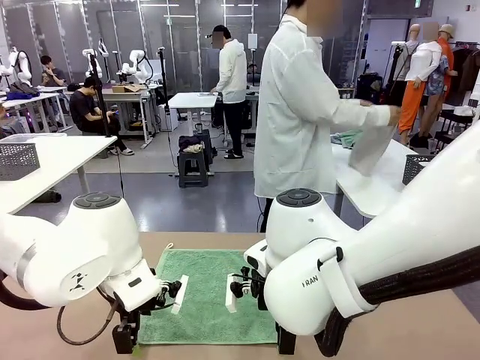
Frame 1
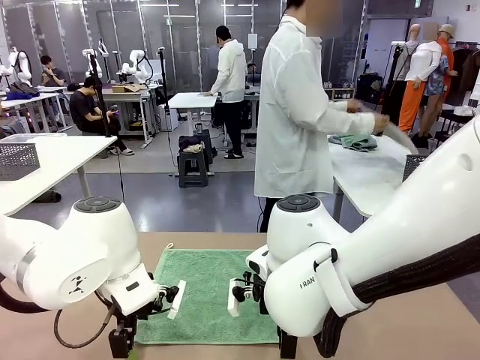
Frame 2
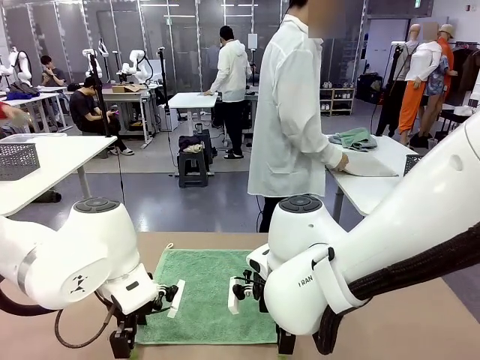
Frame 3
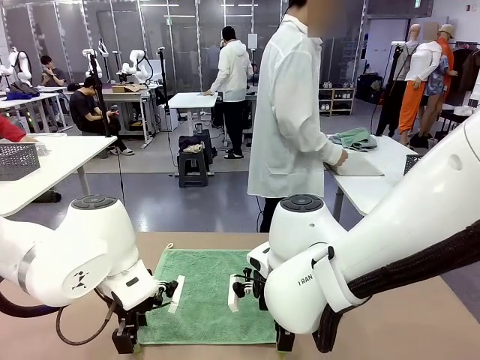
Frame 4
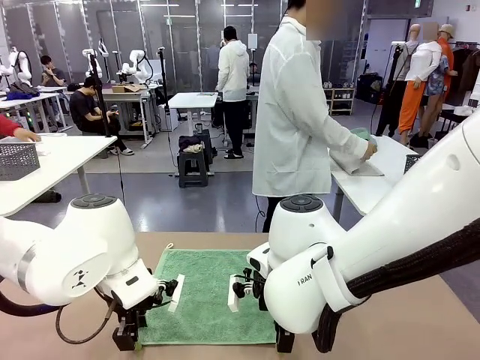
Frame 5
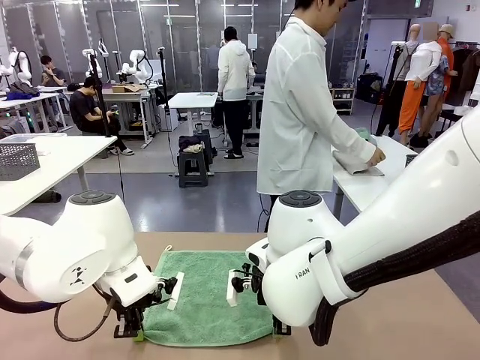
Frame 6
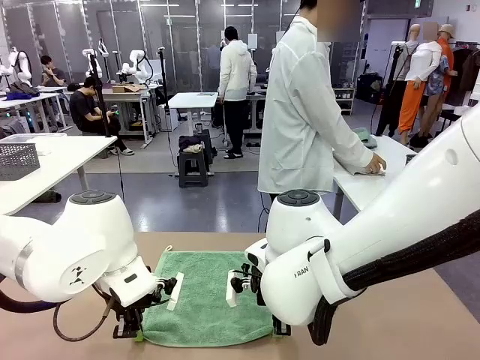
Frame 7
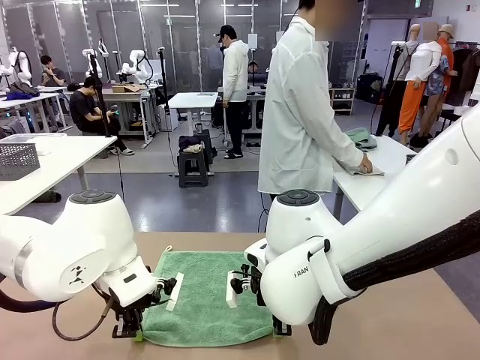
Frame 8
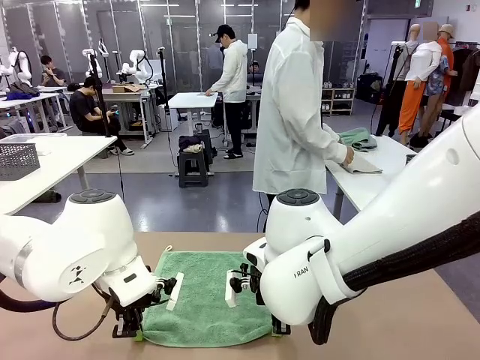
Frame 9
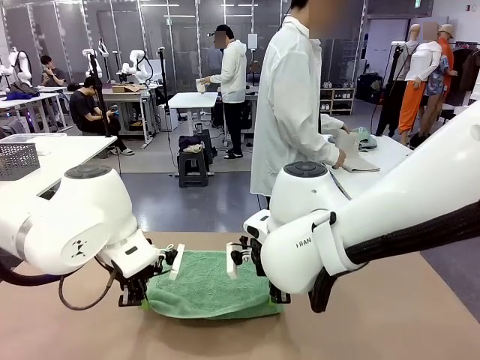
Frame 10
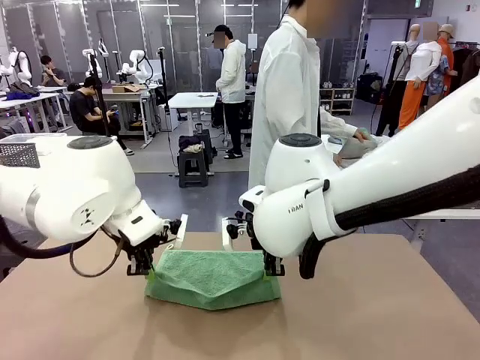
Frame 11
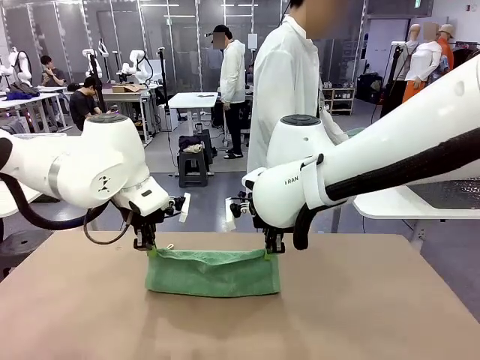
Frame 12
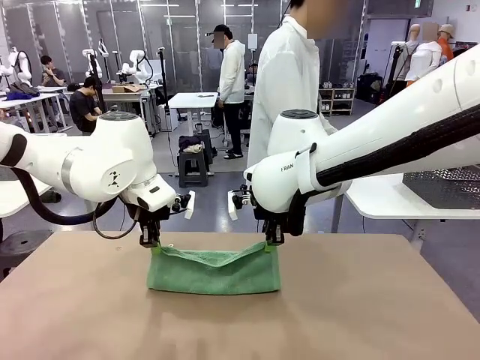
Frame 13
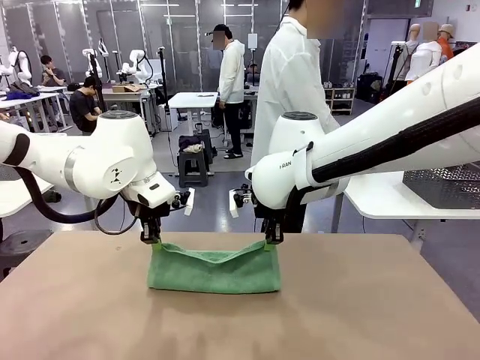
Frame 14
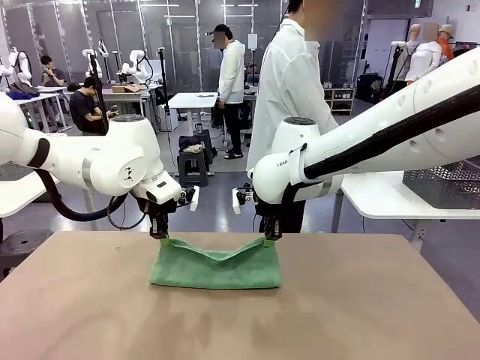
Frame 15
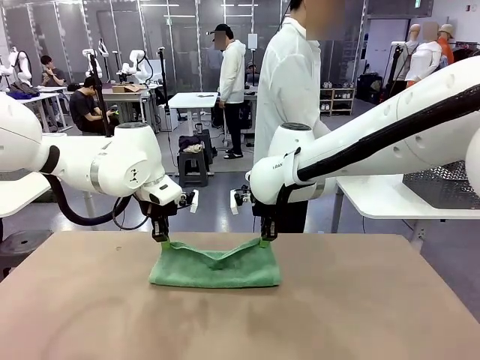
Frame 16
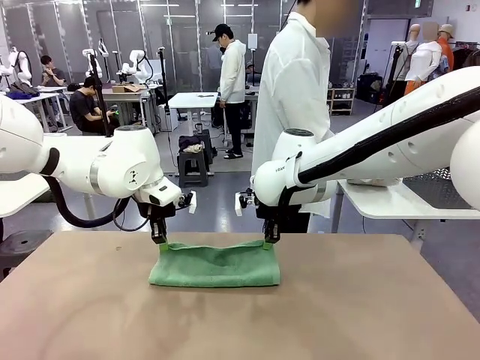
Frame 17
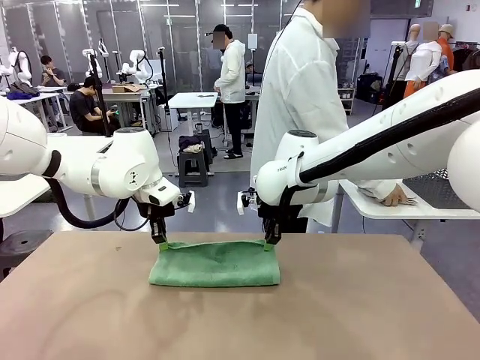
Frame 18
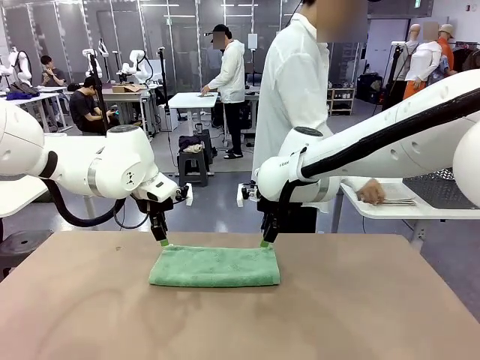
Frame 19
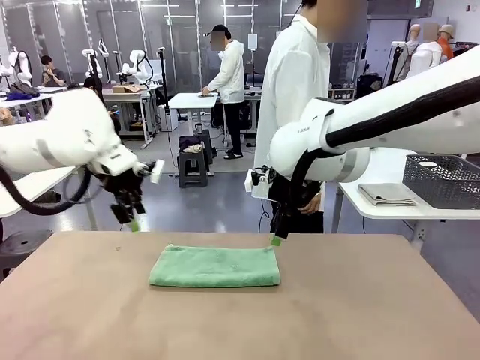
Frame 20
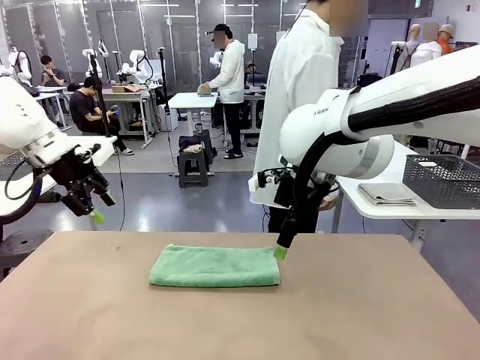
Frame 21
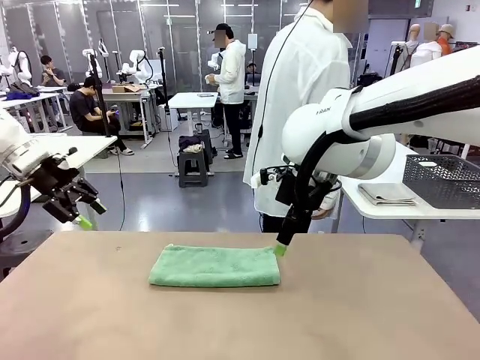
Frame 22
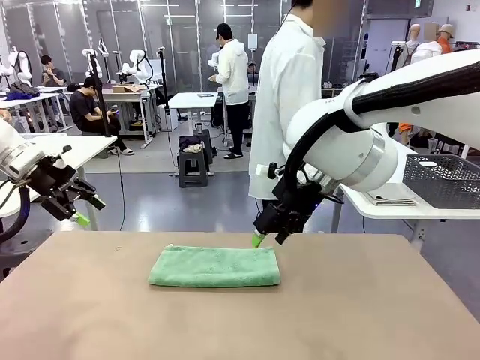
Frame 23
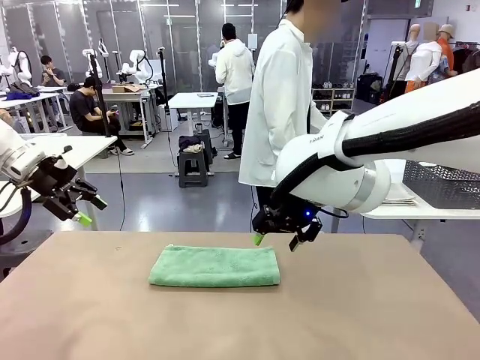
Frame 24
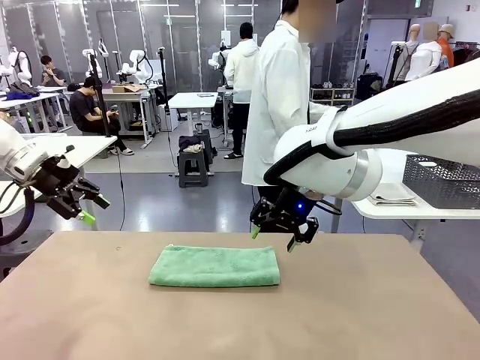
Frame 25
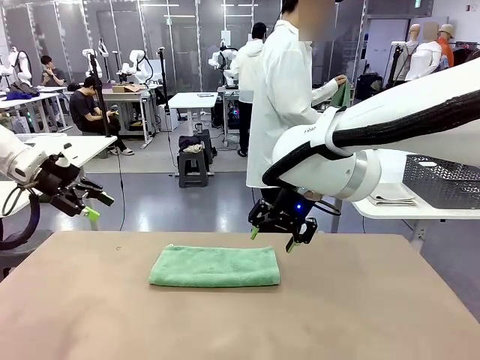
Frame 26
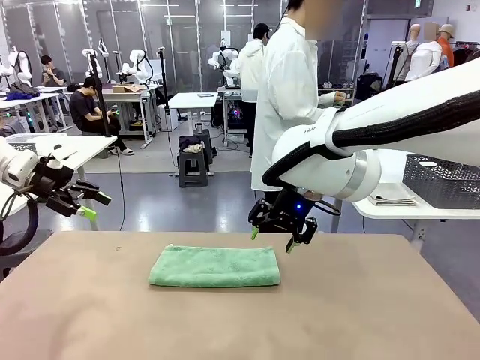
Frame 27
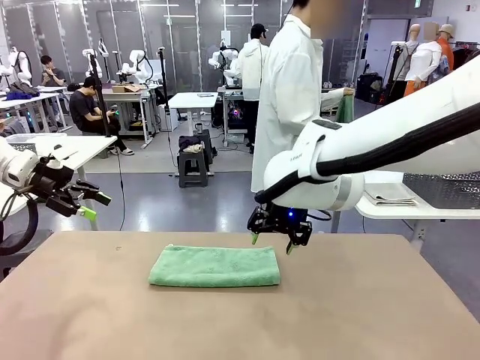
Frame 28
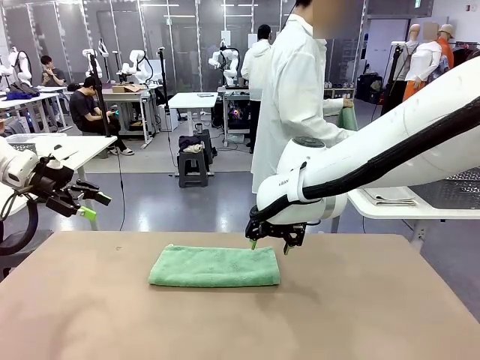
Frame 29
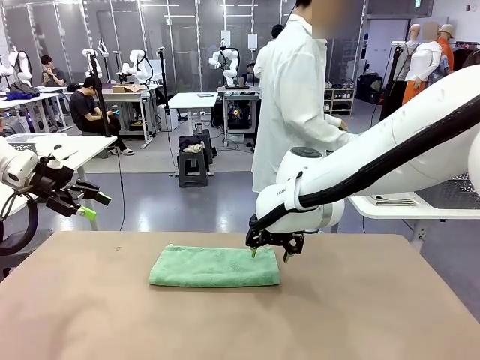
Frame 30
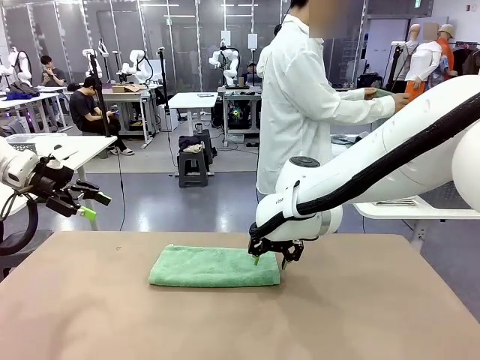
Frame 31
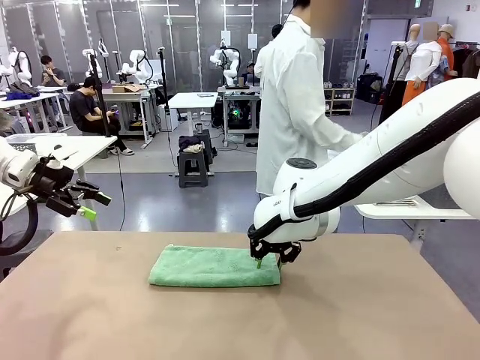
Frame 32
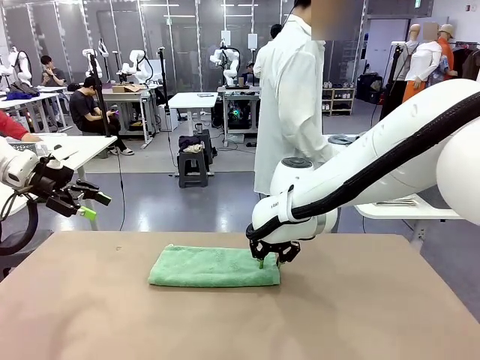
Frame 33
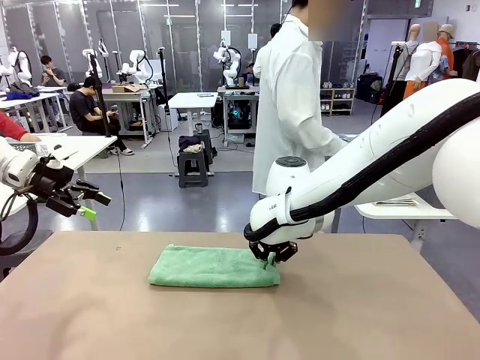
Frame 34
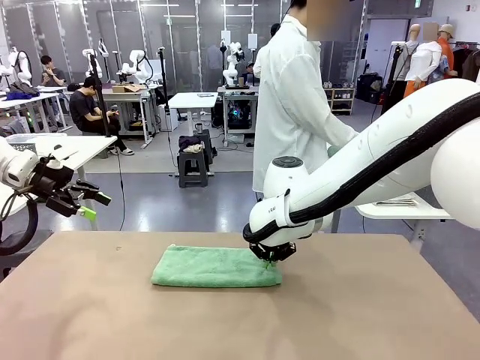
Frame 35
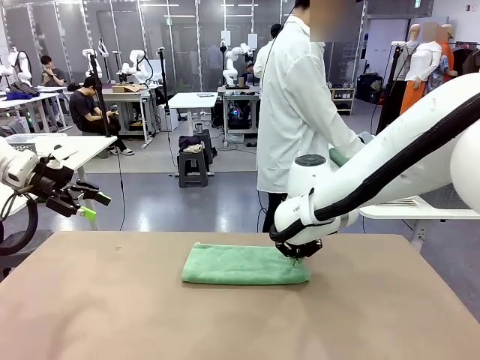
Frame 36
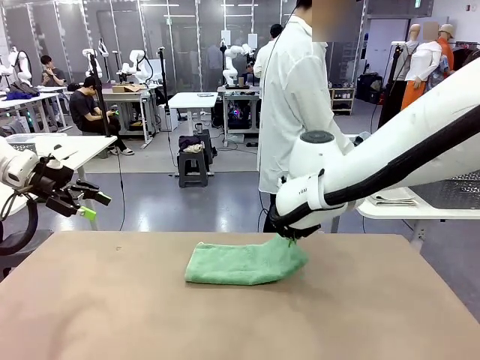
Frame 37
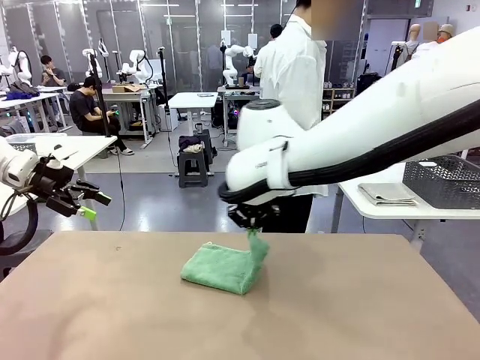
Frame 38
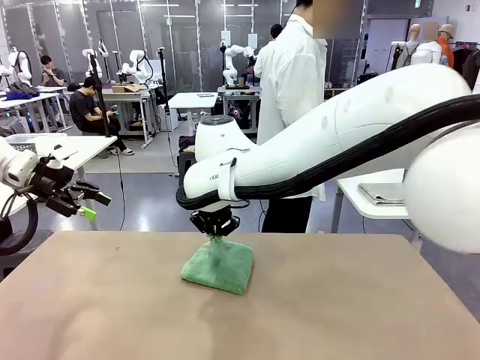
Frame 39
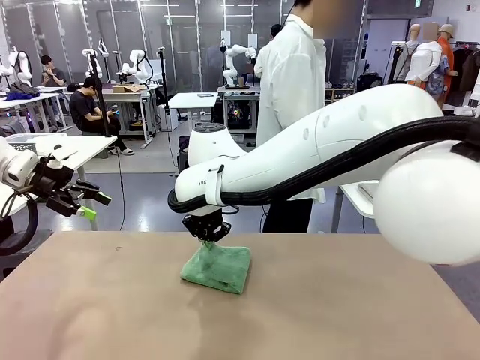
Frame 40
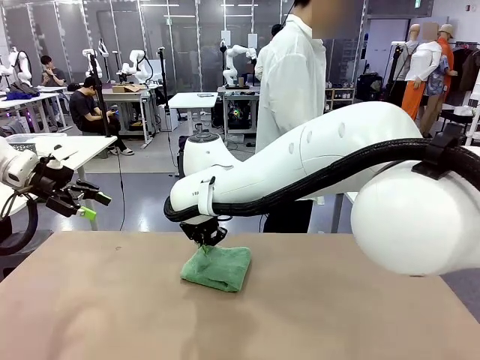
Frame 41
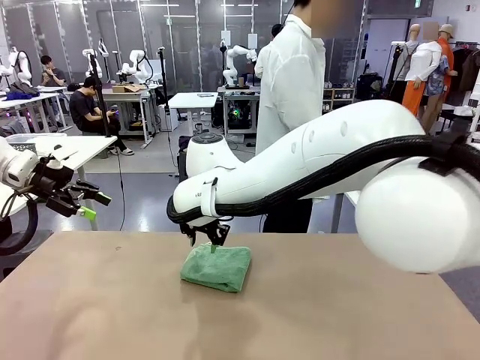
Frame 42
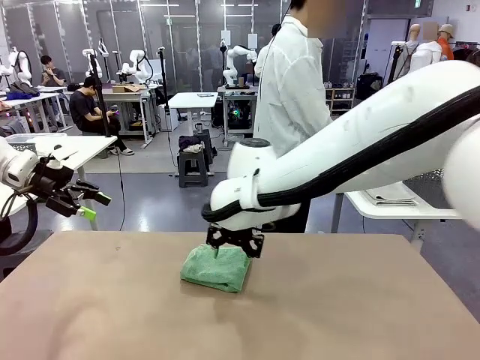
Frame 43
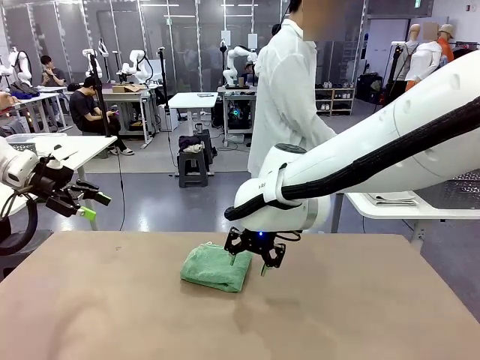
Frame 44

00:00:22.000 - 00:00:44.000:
Task: Fold the towels and place them in the basket.
Robot: When a person lays out a Towel with hook on the table, fold it in half twice.
Person: Pick up one towel from the left side of the human table, fold it in half twice, and place it on the right side of the table. Pick up one towel from the left side of the human table, fold it in half twice, and stack it on the right side of the table.
